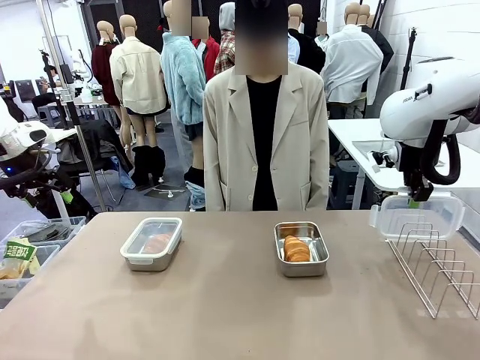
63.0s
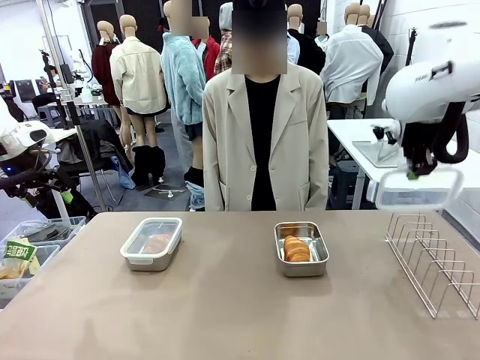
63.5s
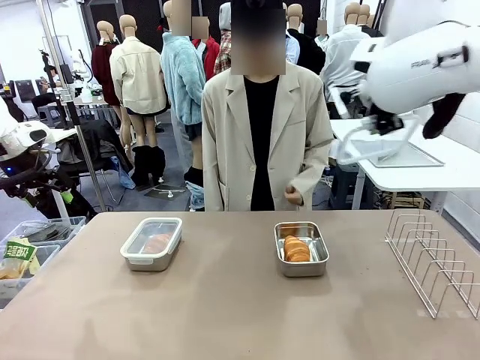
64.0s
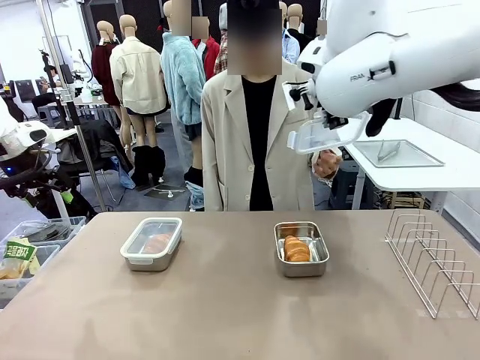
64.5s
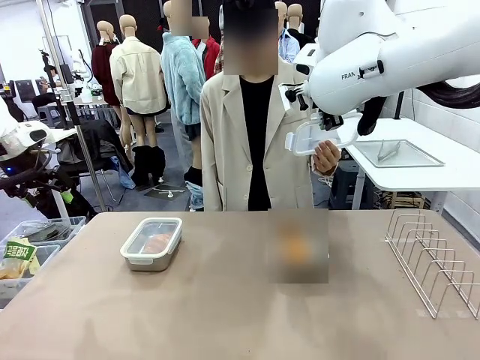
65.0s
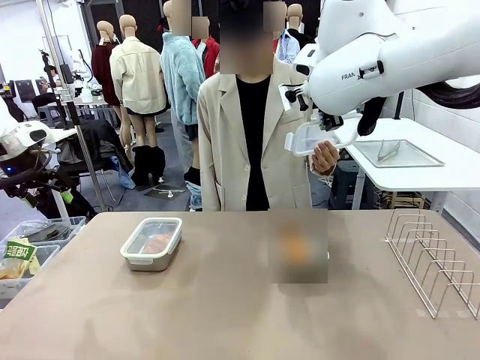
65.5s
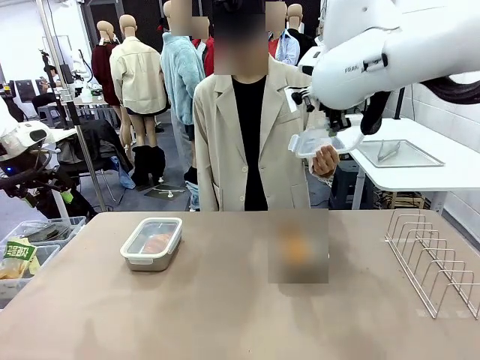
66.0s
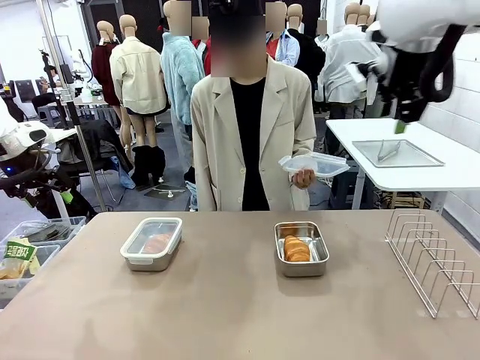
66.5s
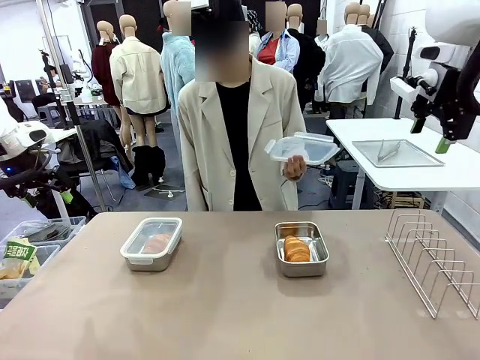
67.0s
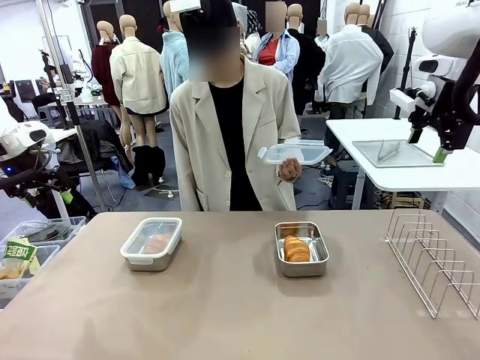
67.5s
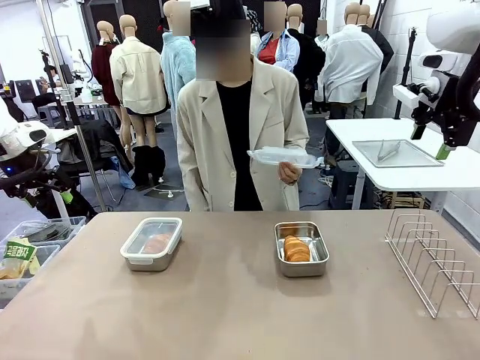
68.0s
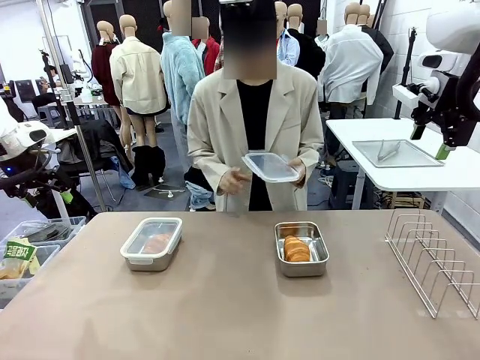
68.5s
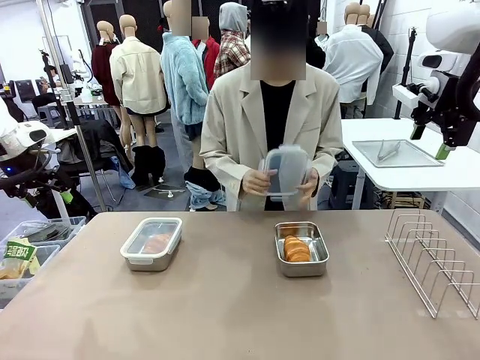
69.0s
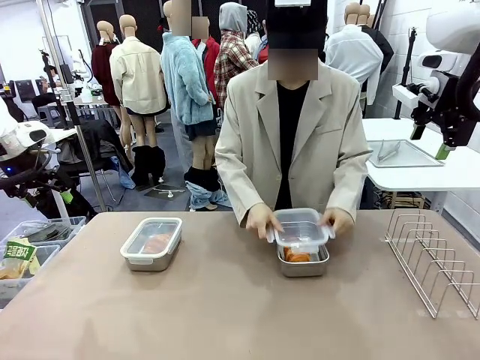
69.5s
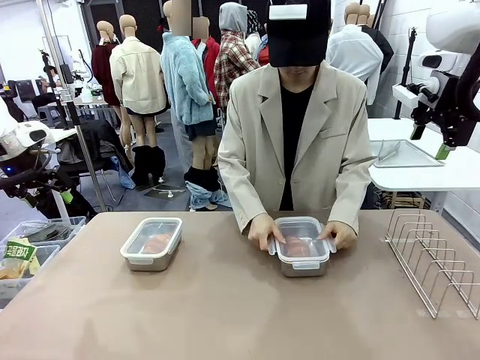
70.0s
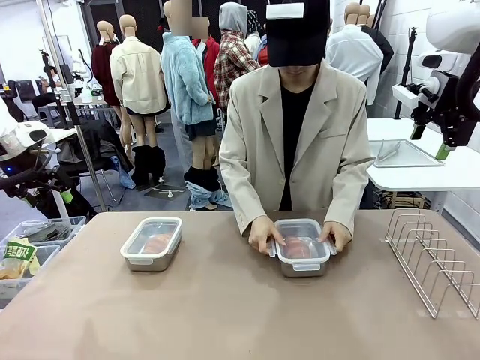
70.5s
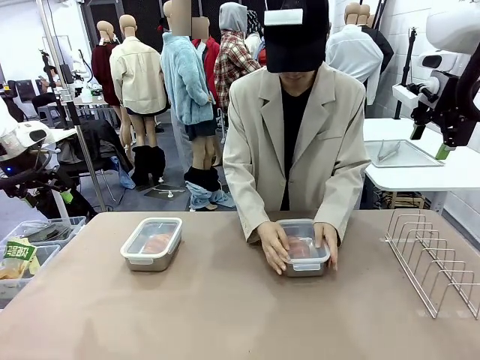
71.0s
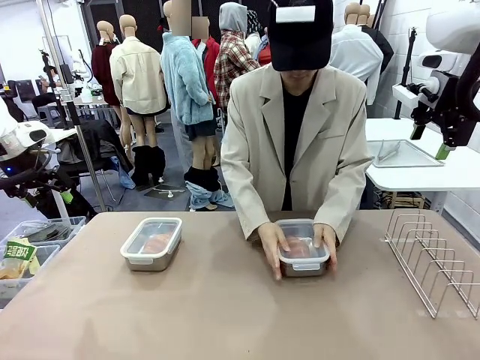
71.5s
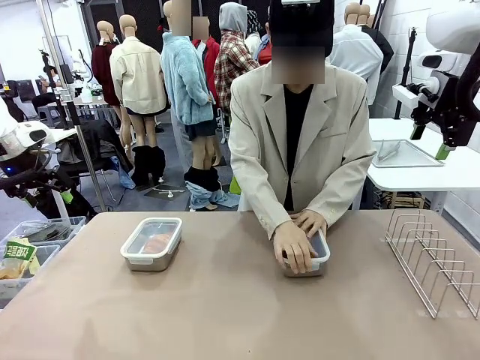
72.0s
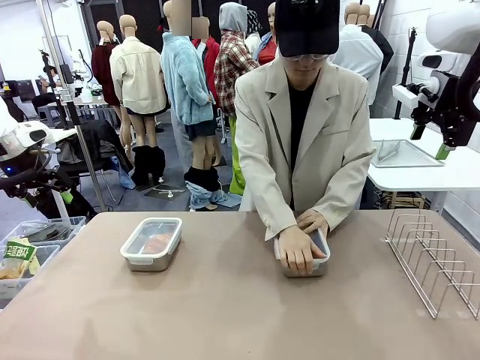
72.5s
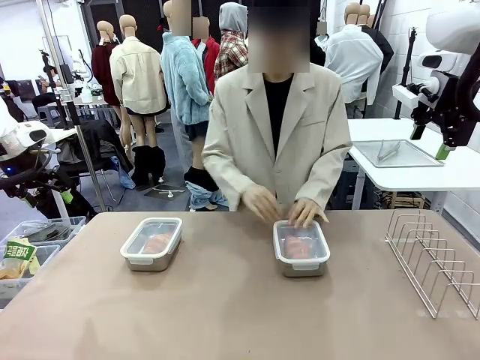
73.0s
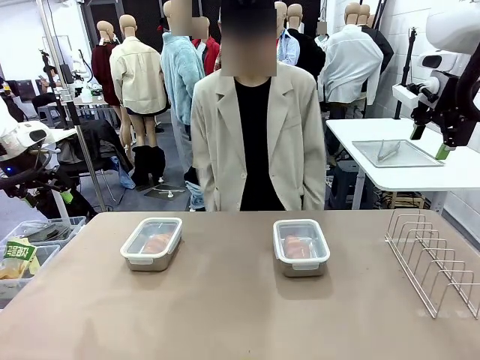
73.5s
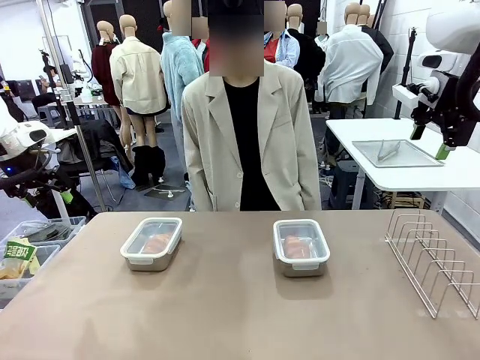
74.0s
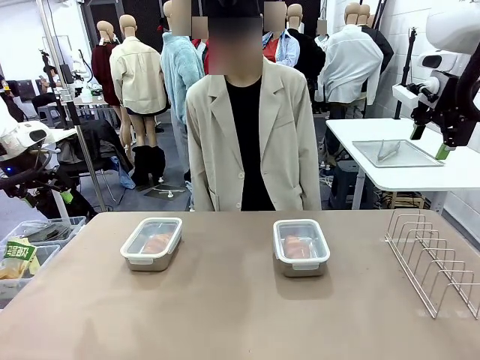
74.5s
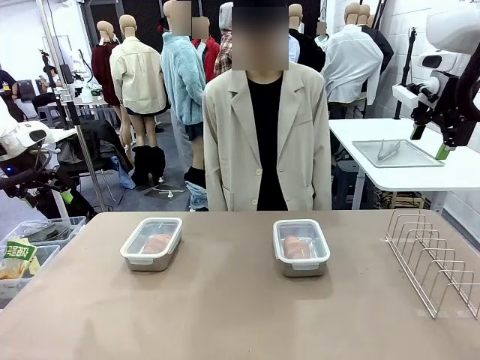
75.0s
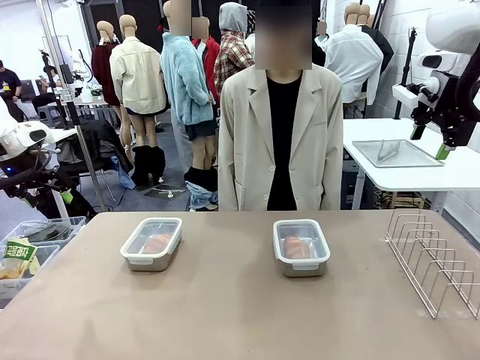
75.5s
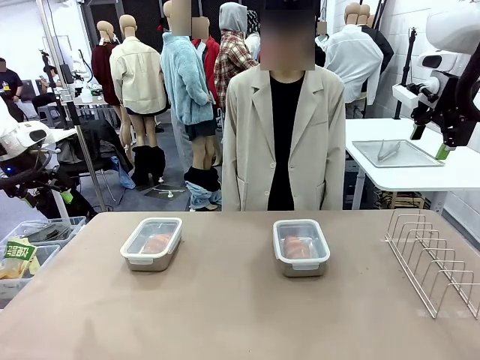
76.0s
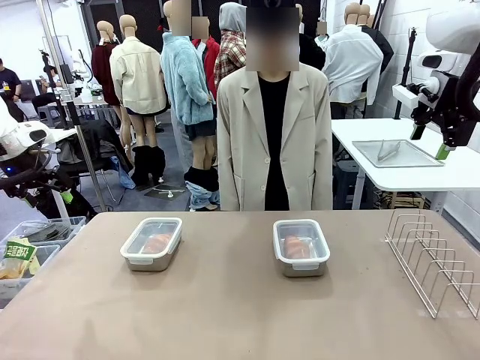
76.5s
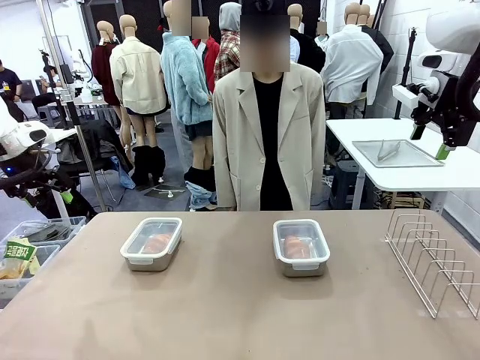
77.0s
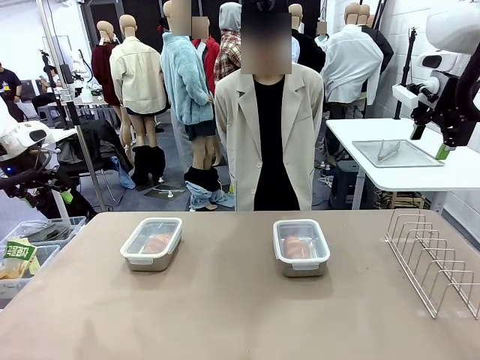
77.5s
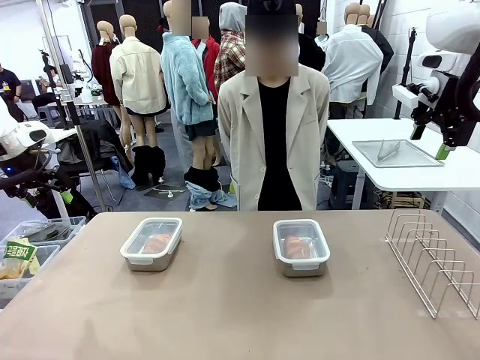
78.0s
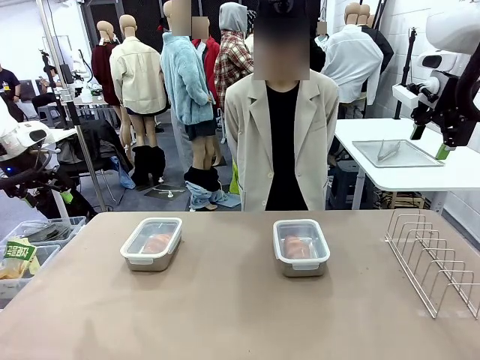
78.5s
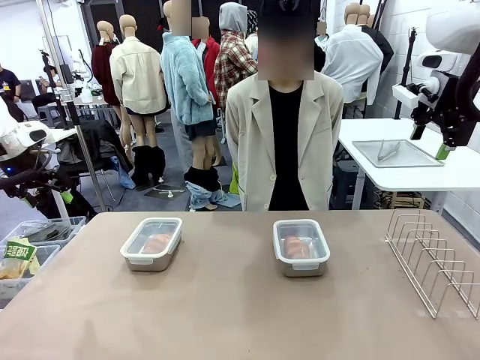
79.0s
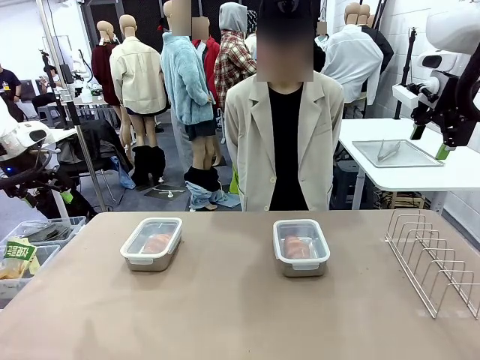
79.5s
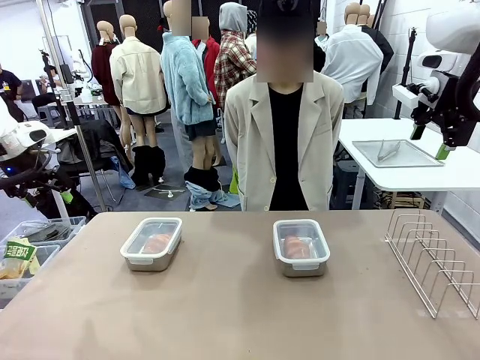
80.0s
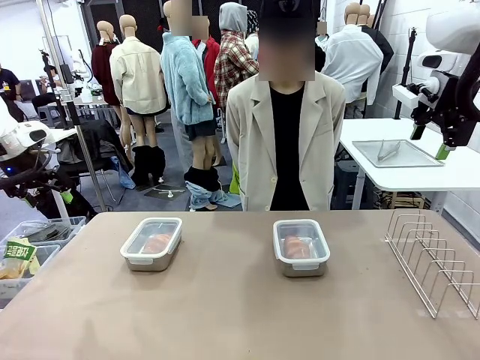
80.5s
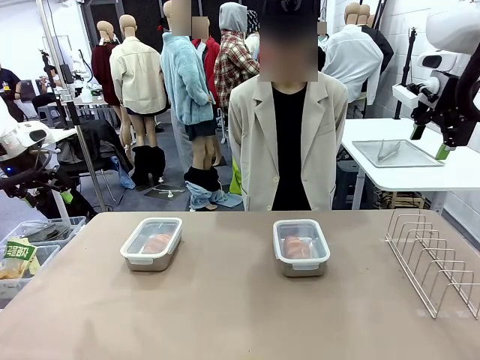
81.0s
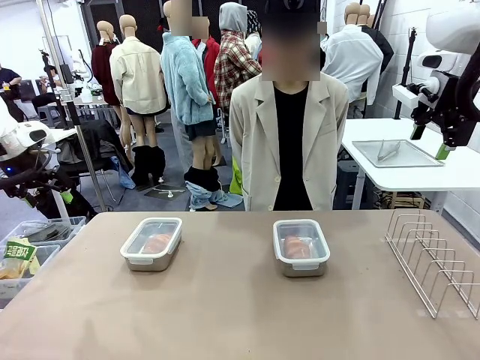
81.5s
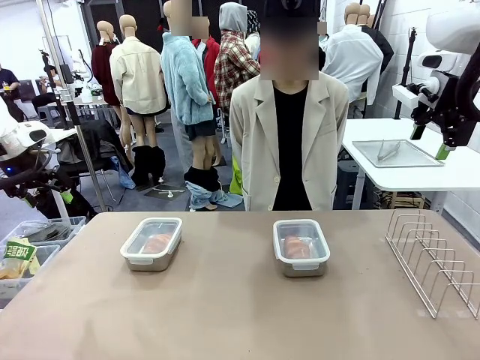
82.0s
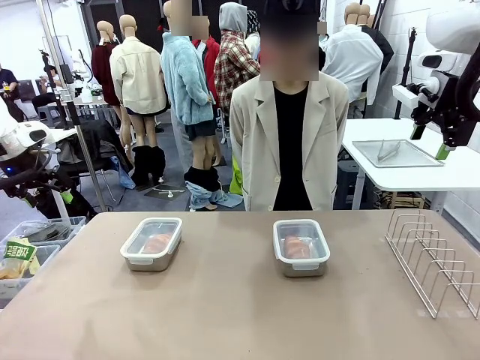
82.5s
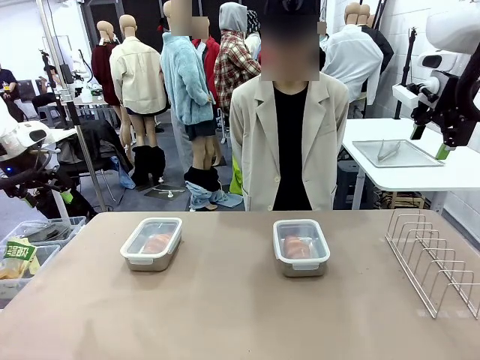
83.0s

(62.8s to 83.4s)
Task: Place the bread in airtight containers.
Robot: Release when the human grabs the Airtight Container lid.
Person: Grip Airtight Container lid that robot is handing. Close Airtight Container with a handed Airtight Container lid.

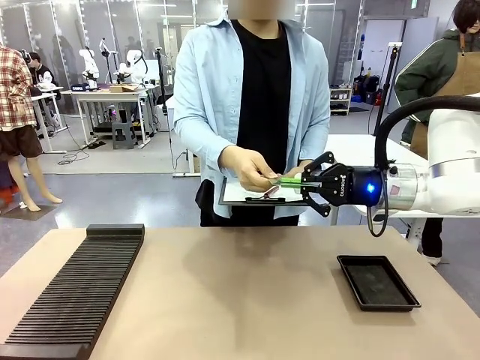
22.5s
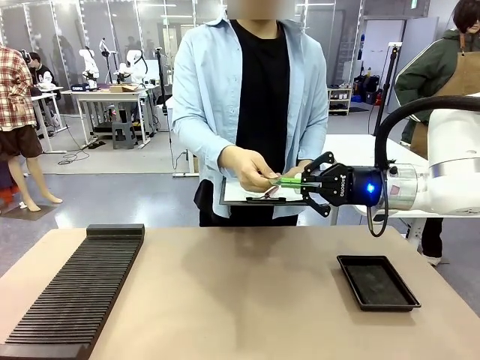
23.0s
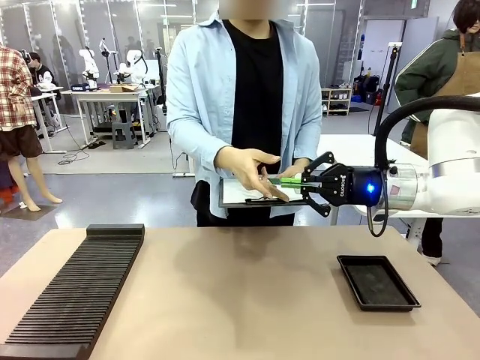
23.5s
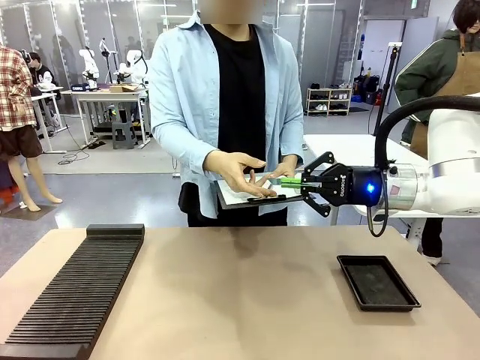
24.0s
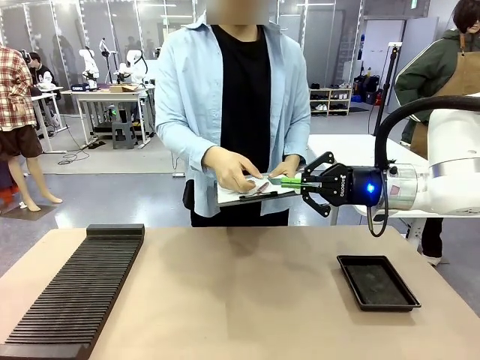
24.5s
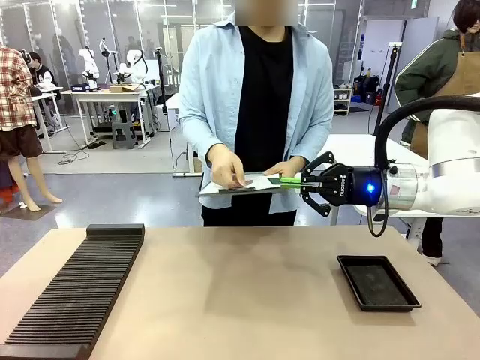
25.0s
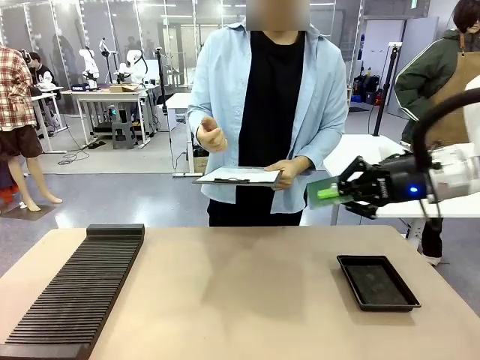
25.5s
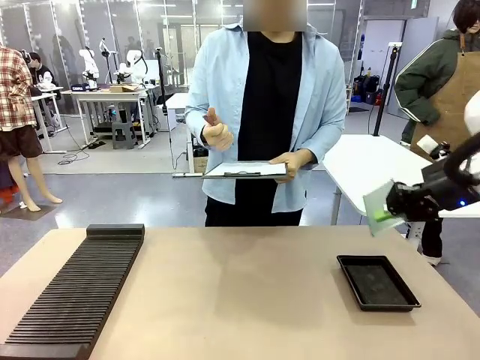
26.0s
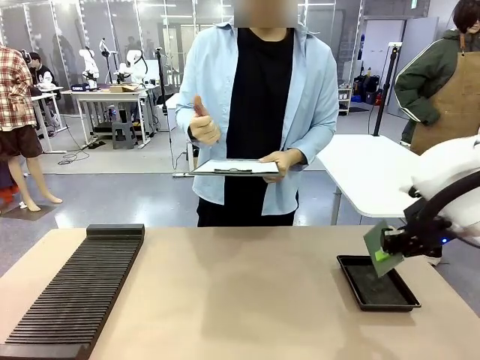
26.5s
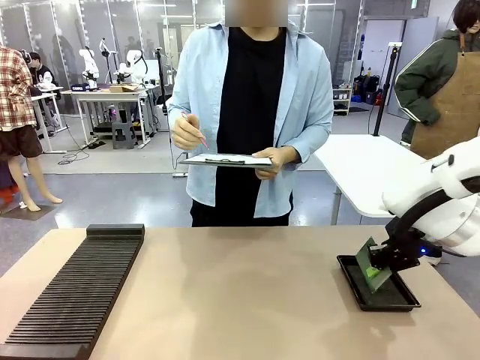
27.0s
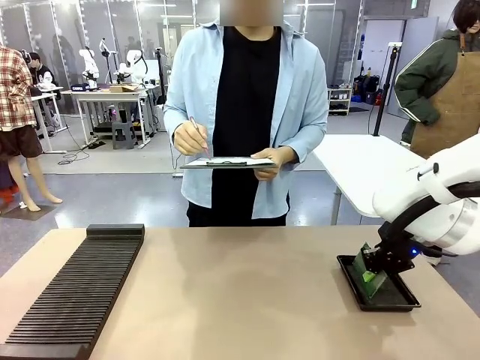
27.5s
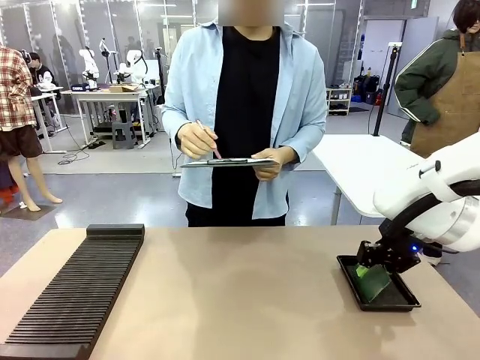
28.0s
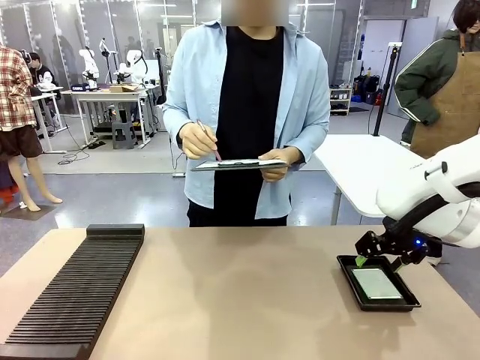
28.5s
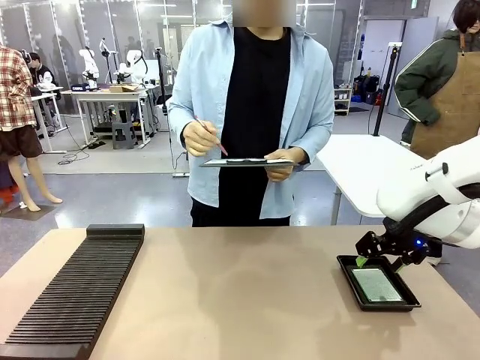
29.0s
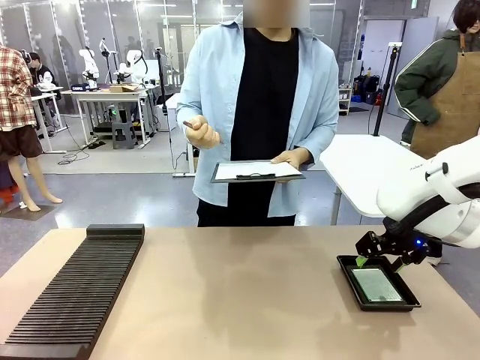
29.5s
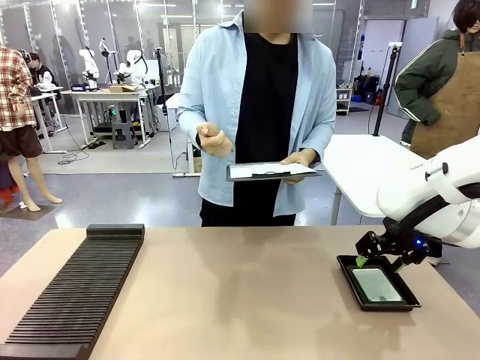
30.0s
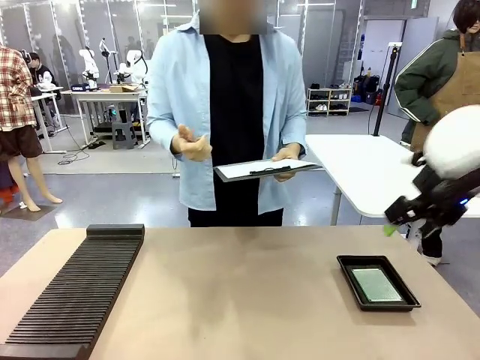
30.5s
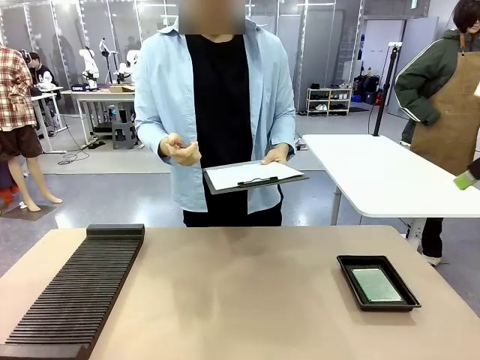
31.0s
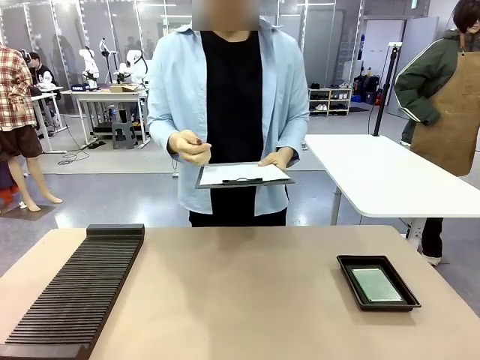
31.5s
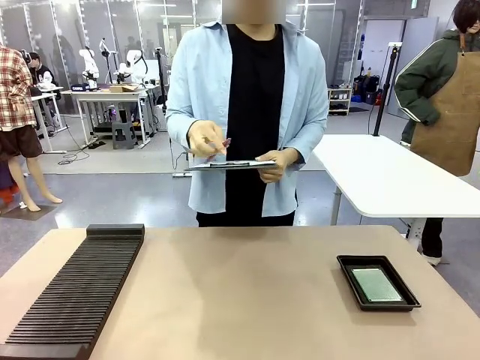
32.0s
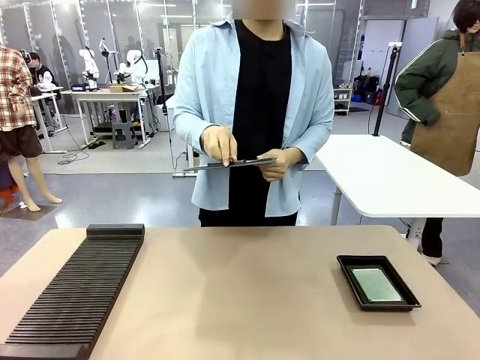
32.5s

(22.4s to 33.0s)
Task: Inspect the PCB.
Robot: Place the Blank PCB in the ESD tray.
Person: Record the PCB status on the paper.
